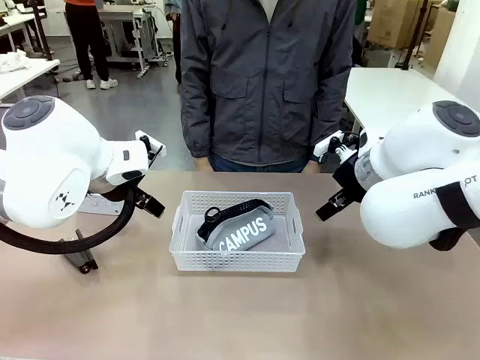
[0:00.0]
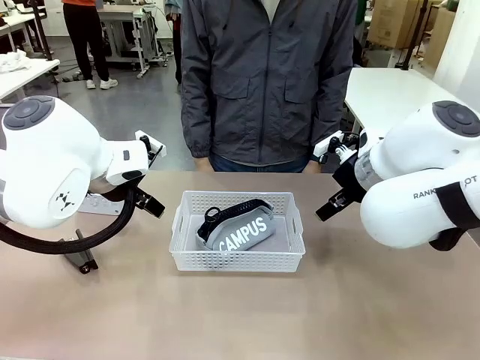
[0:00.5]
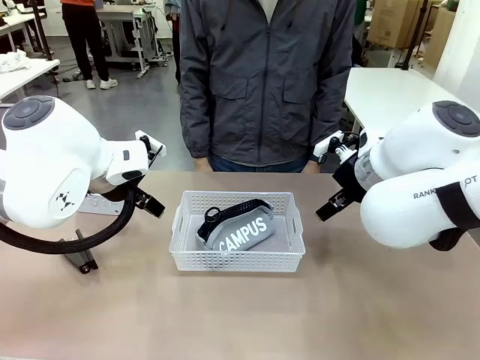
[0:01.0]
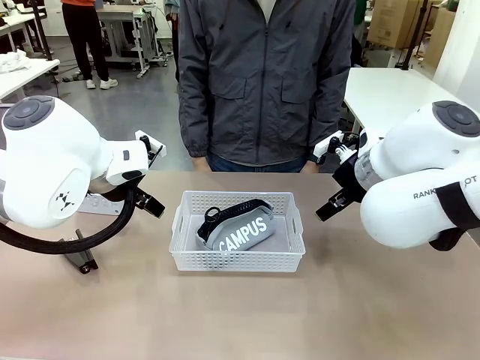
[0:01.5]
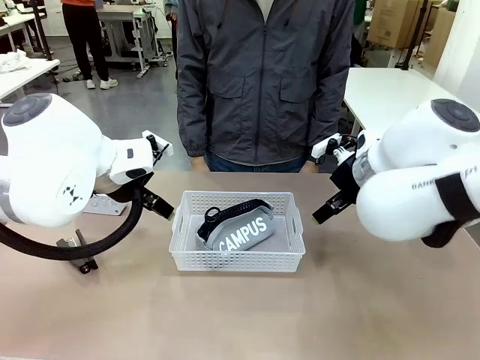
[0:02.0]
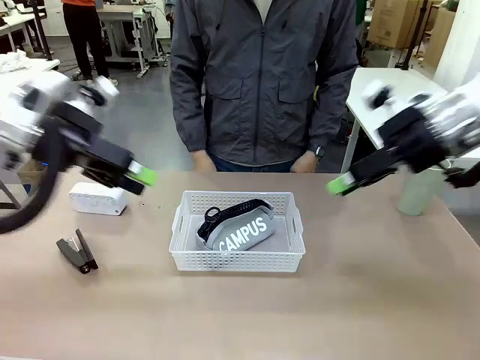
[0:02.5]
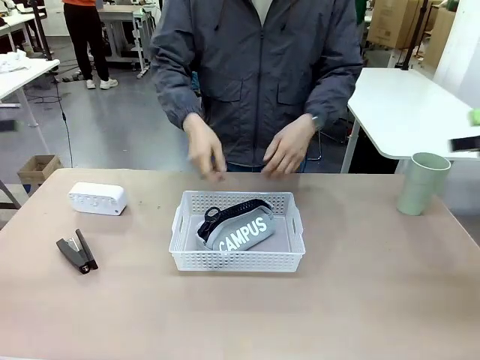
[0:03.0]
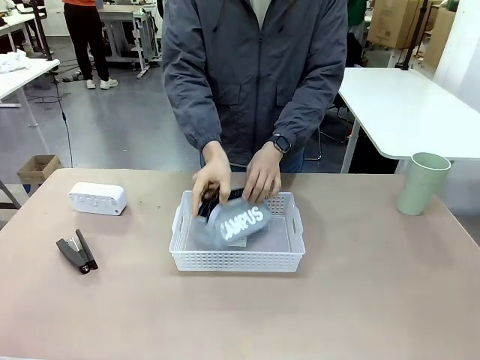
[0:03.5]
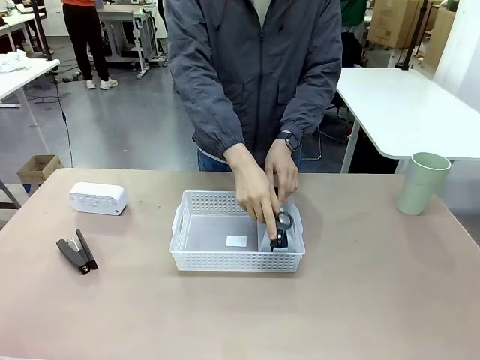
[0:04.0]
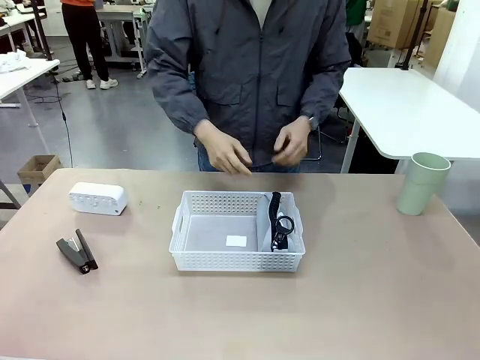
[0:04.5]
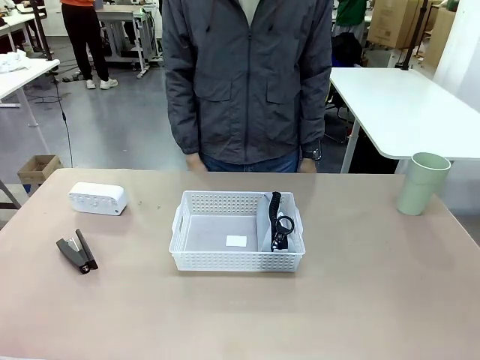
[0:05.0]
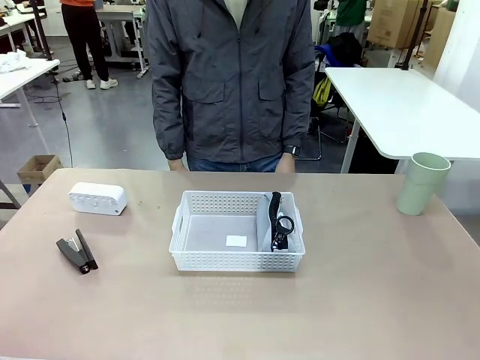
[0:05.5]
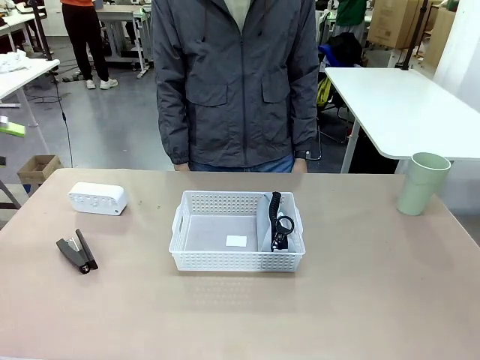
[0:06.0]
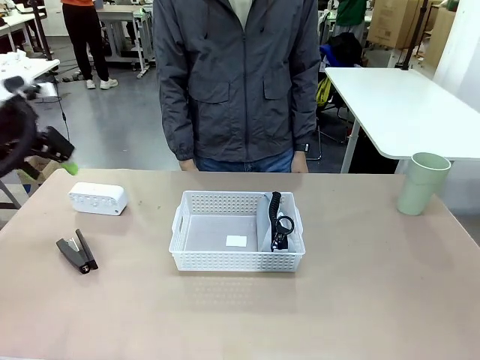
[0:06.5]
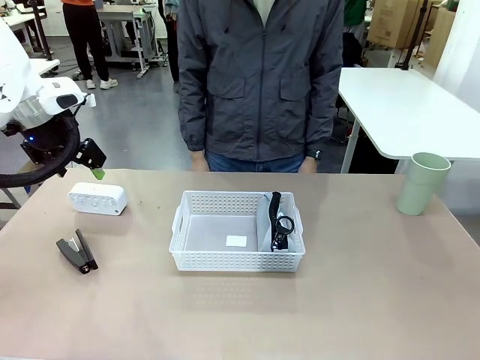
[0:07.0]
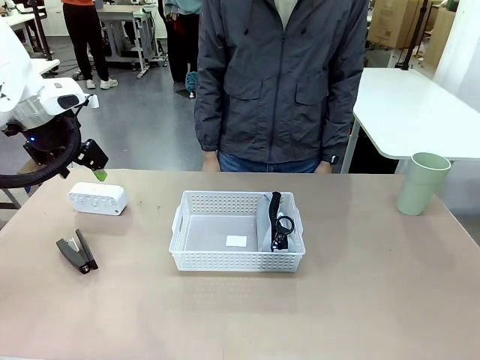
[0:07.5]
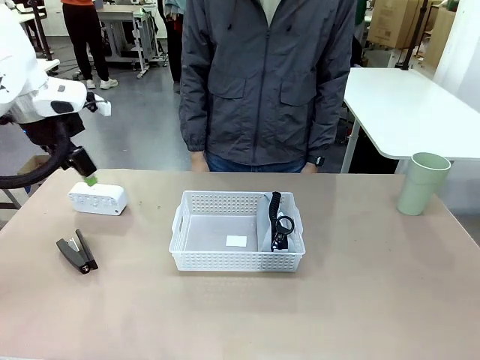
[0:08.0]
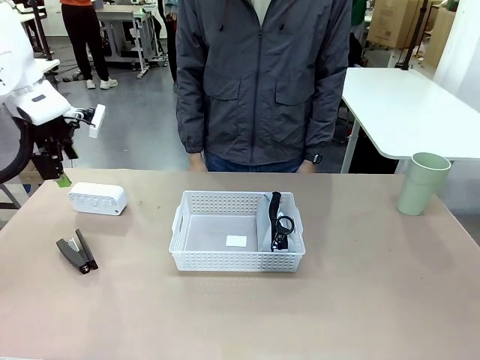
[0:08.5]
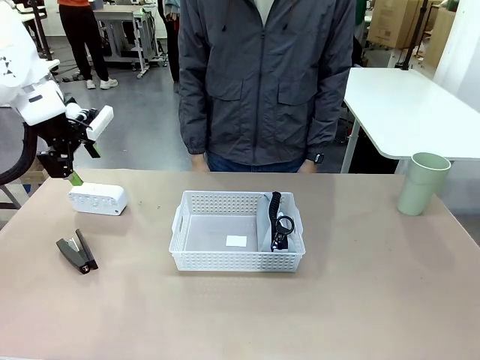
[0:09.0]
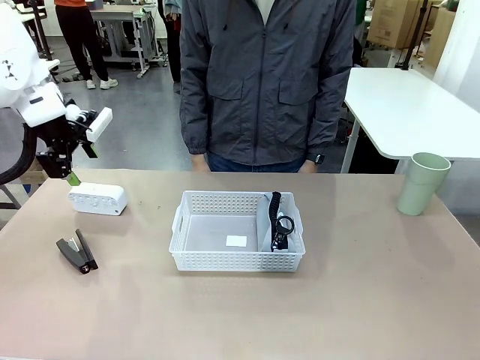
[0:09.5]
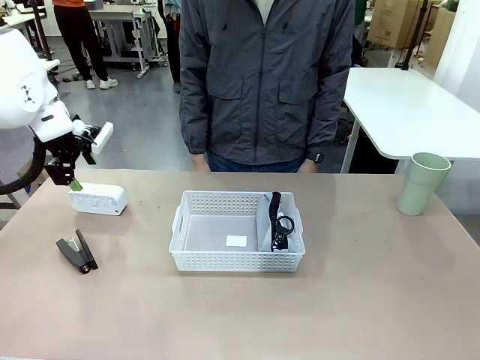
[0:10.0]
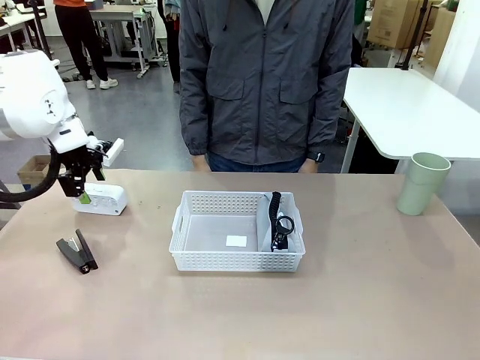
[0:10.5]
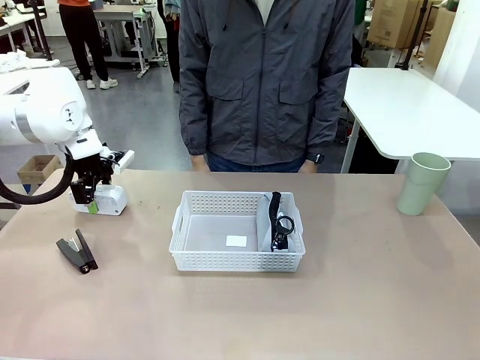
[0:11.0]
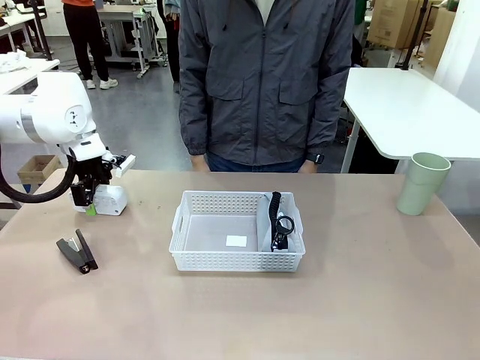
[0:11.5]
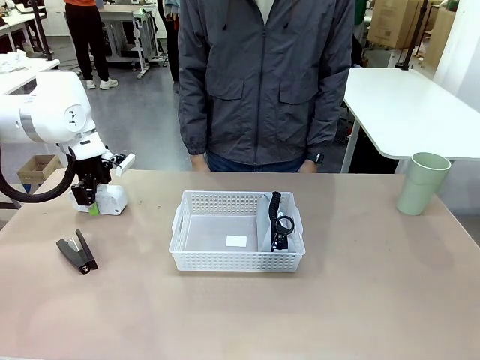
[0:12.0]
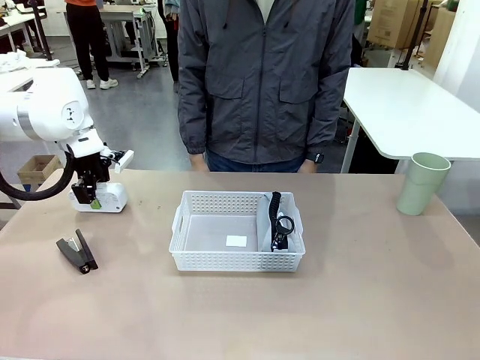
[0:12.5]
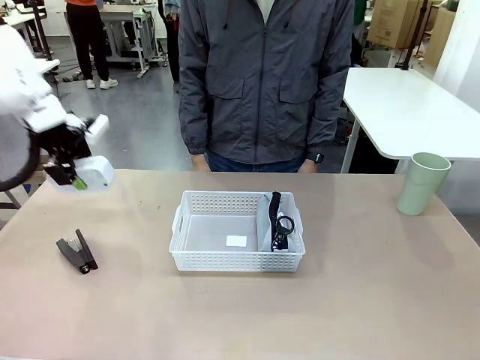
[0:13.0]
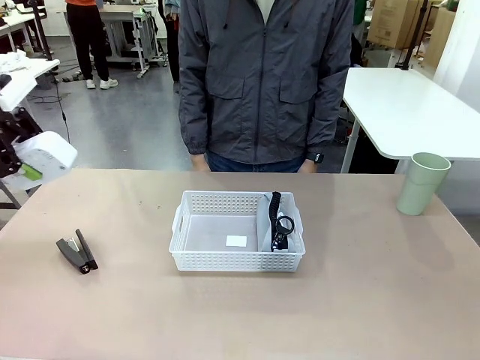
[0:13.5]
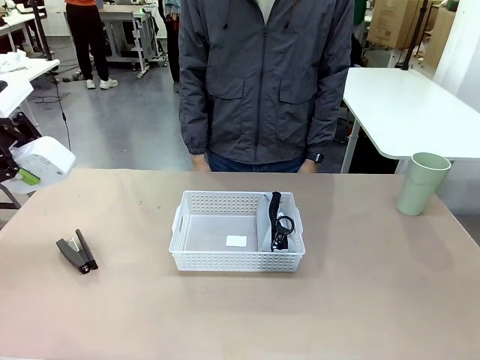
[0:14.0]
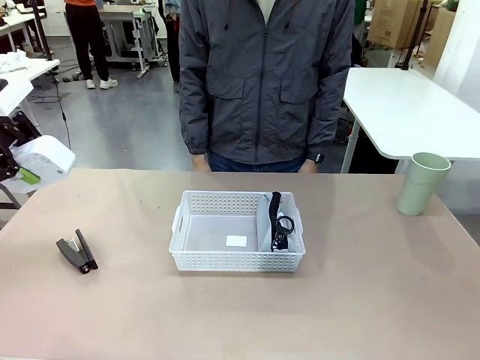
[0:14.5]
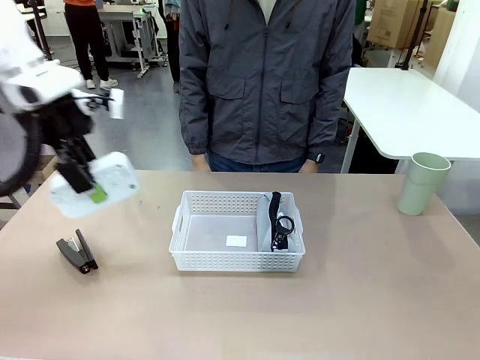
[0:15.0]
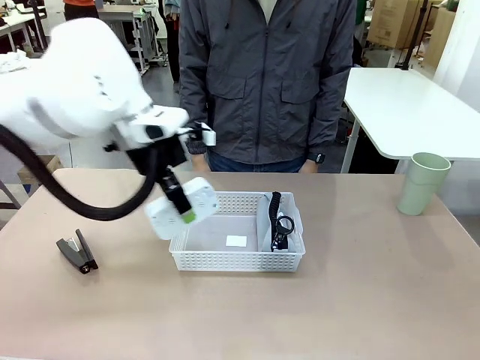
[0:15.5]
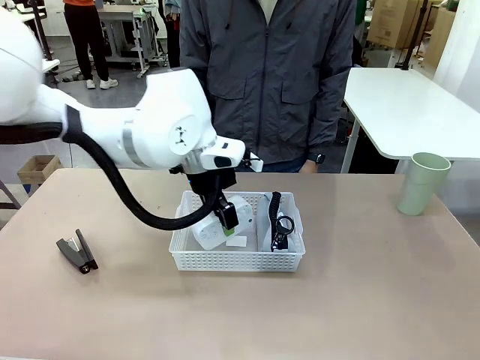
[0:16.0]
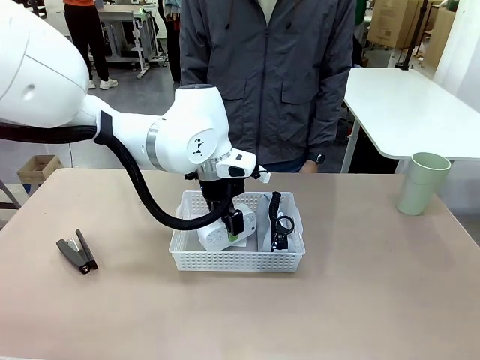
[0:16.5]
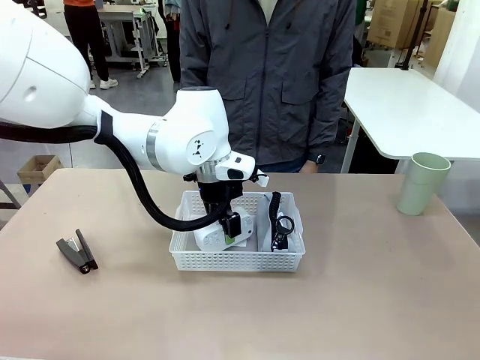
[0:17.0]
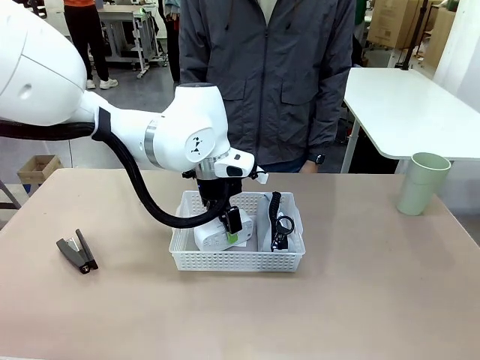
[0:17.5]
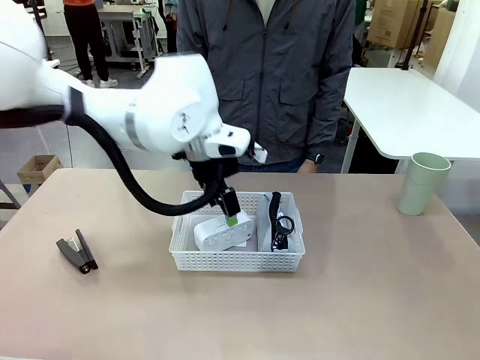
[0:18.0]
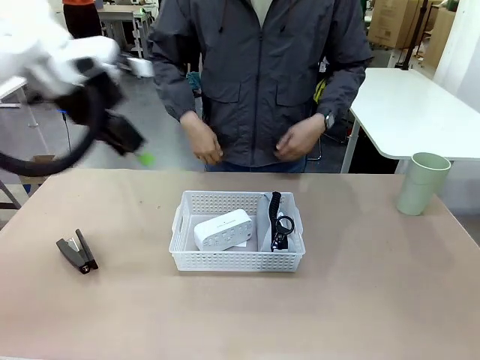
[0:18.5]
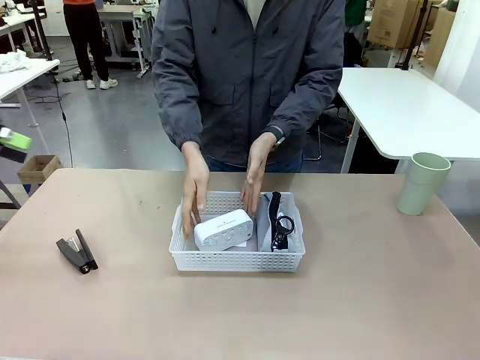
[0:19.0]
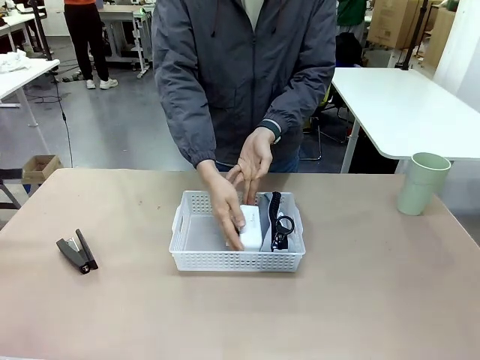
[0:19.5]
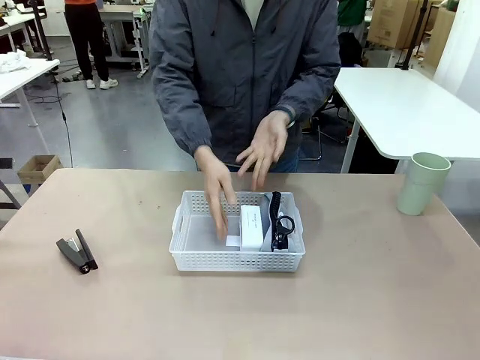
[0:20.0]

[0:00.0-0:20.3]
Task: Efficiently arrange items inside the basket to fit them all.
Robot: Pick up the Digital clock and place it inside the Organizing basket.
Person: Repositions the pencil case. Repositions the digital clock.

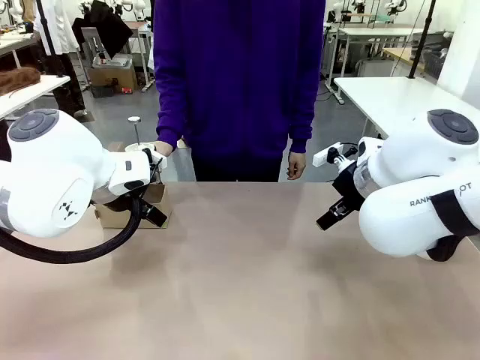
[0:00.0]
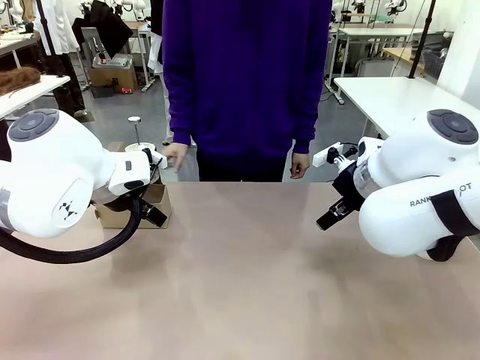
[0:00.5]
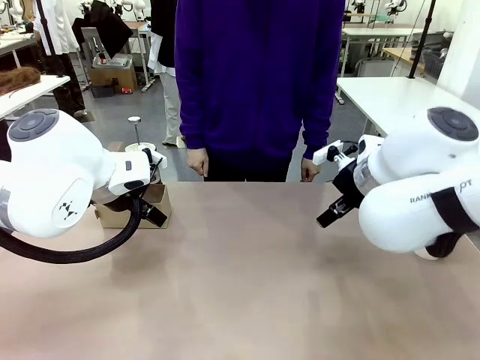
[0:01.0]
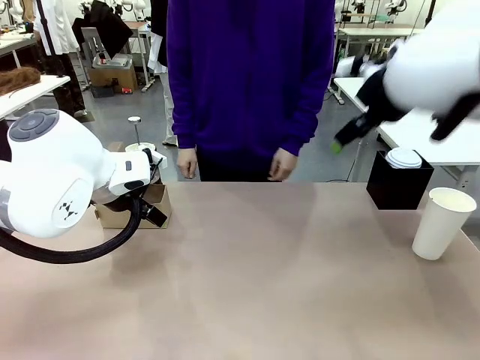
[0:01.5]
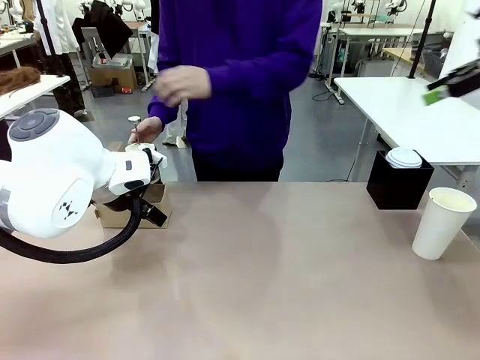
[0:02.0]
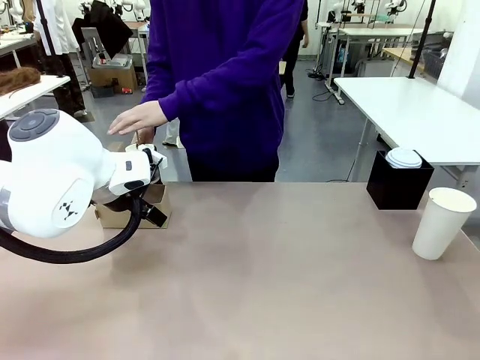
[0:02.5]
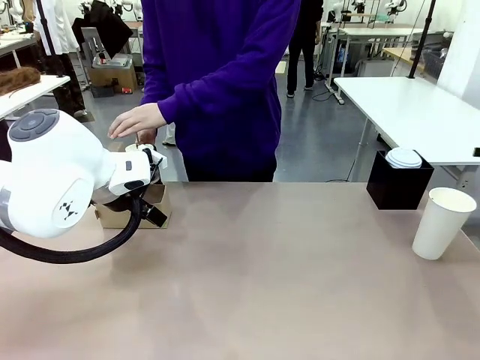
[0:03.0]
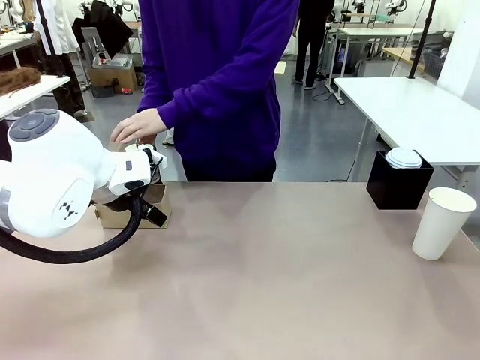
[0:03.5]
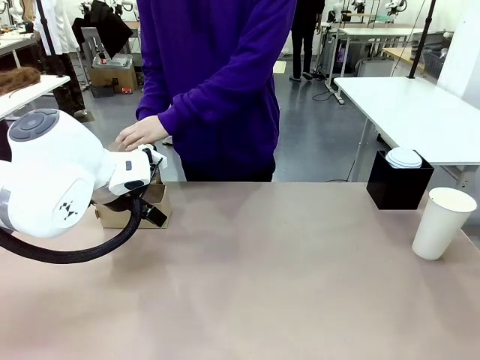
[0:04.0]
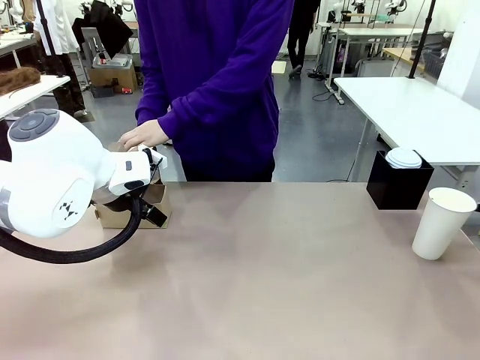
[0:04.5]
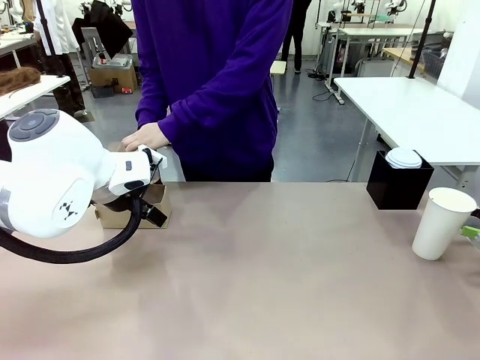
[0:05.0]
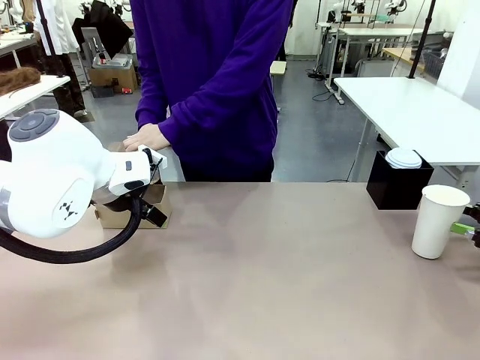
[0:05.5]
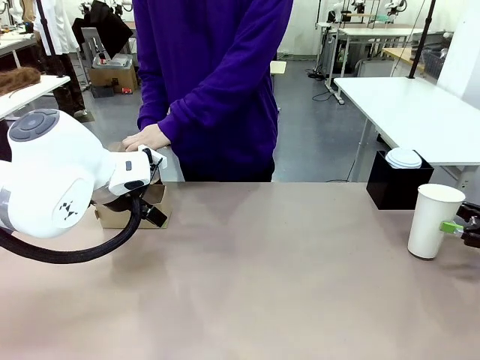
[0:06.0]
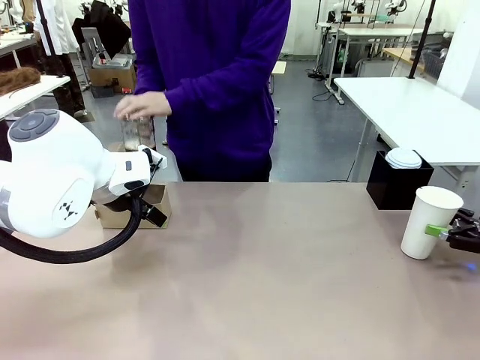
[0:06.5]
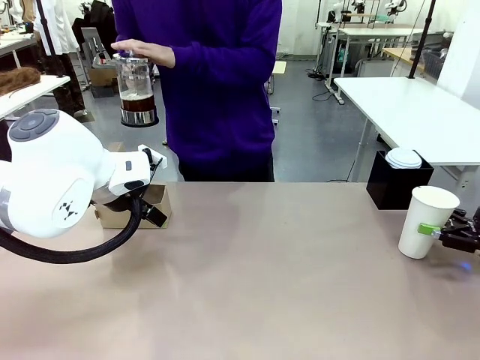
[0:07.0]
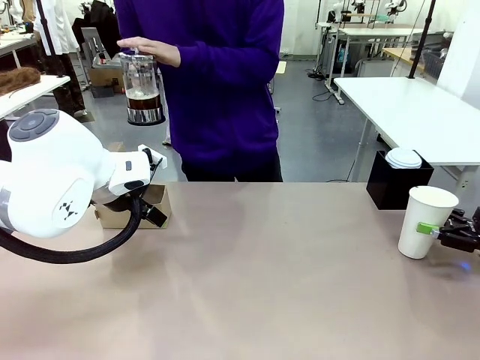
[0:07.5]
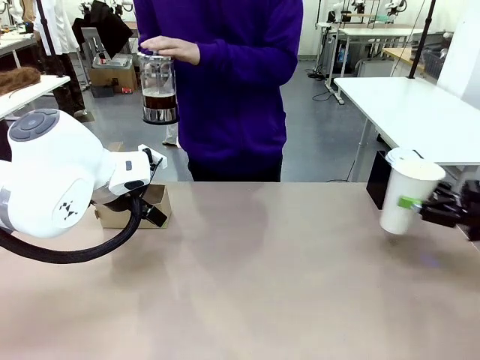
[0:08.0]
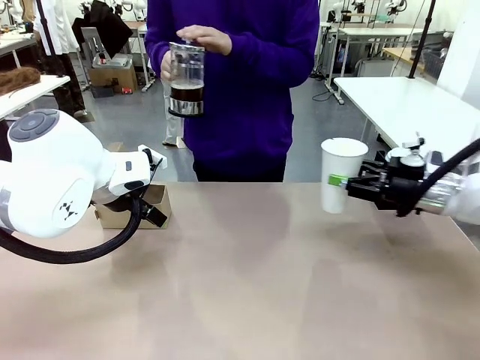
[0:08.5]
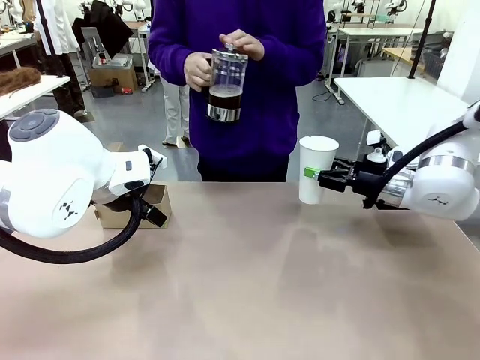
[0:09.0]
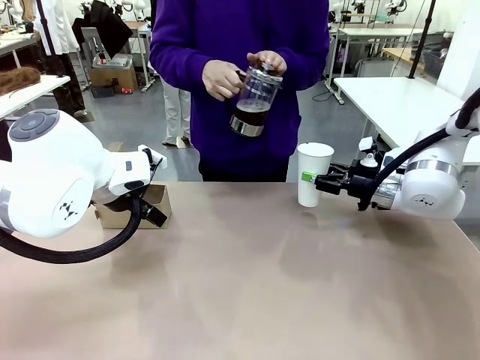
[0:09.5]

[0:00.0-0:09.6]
Task: Pour a drink into a cup and package it in a carrier.
Robot: Pick up the 600 ml Paper Cup and place it in the middle top area of the table.
Person: Press and pick up the Filter Brewing.
